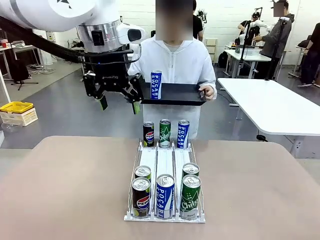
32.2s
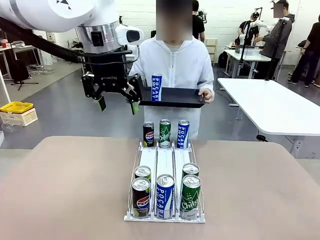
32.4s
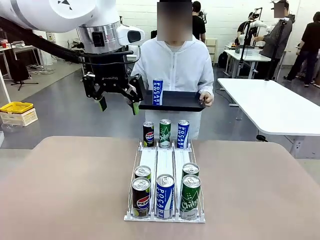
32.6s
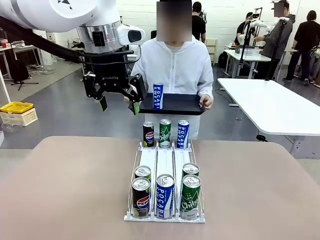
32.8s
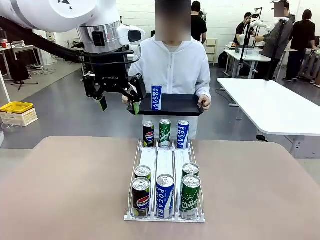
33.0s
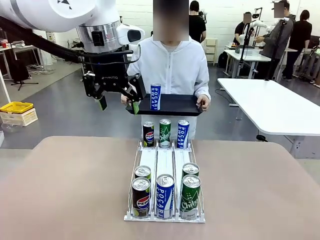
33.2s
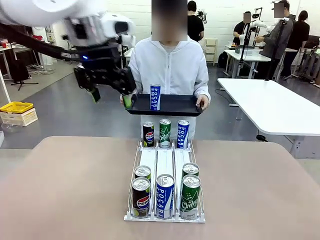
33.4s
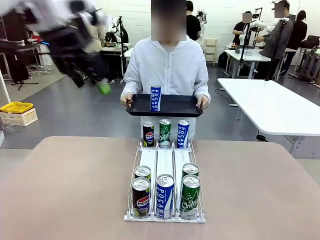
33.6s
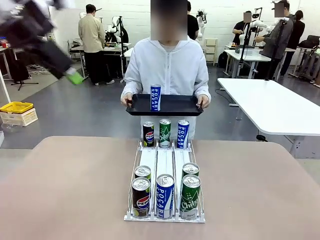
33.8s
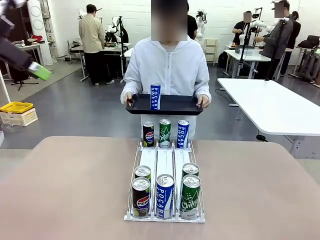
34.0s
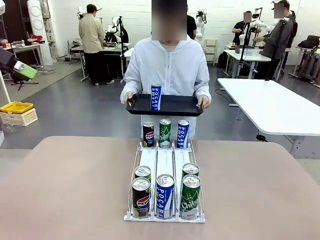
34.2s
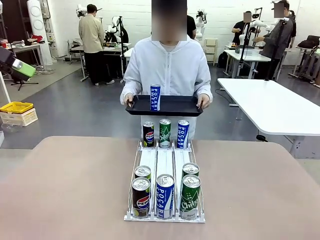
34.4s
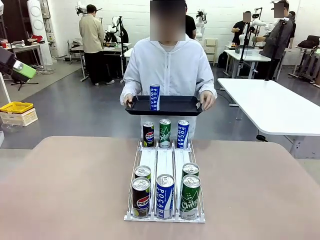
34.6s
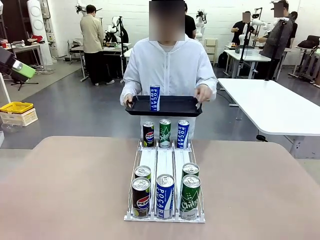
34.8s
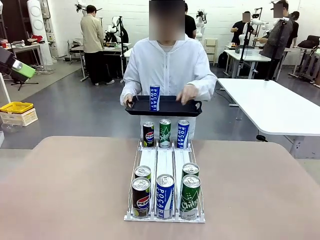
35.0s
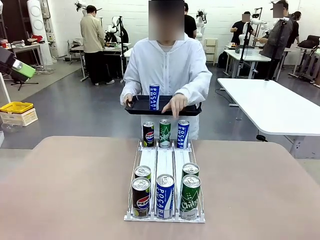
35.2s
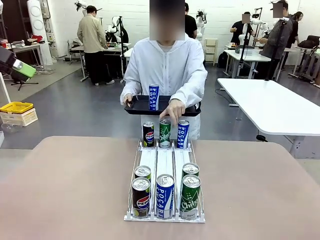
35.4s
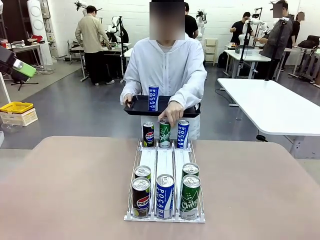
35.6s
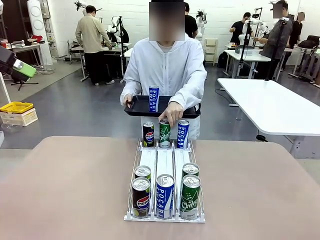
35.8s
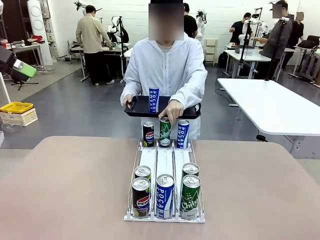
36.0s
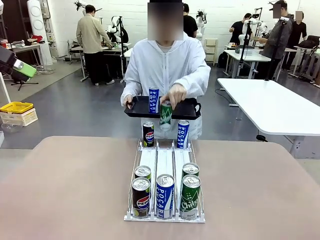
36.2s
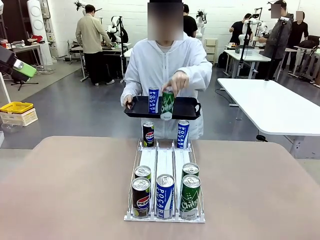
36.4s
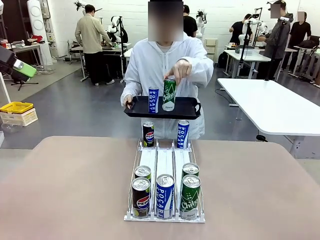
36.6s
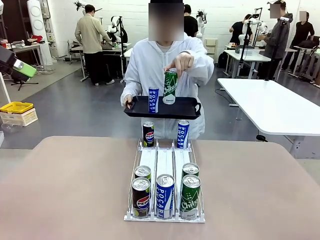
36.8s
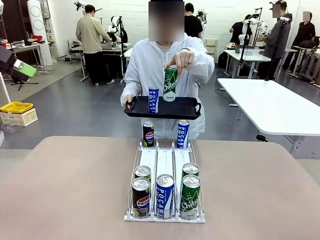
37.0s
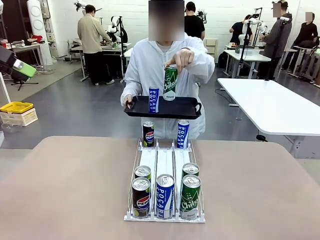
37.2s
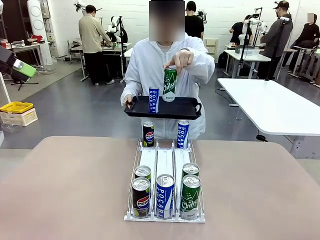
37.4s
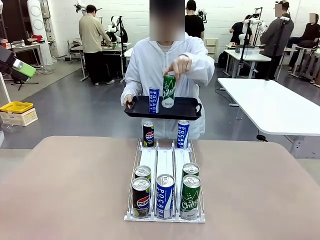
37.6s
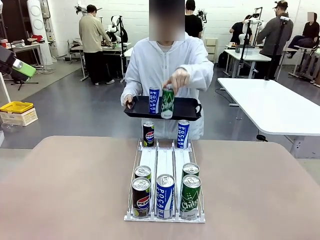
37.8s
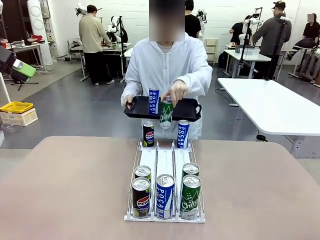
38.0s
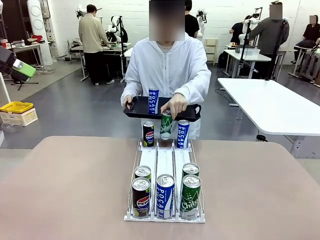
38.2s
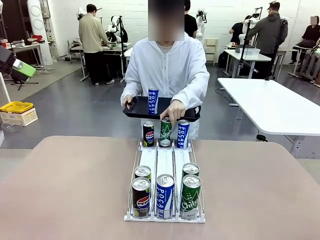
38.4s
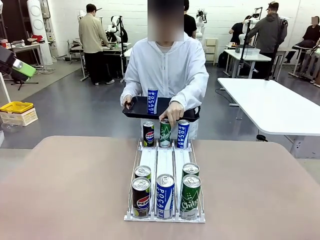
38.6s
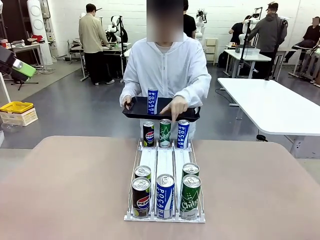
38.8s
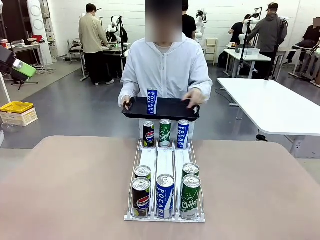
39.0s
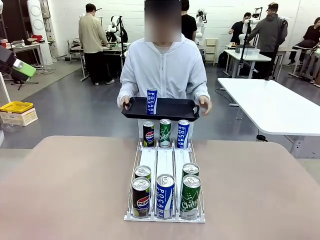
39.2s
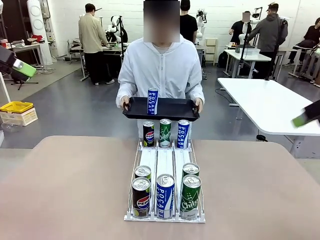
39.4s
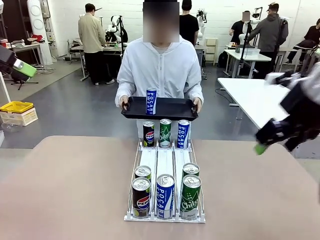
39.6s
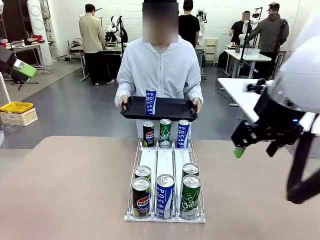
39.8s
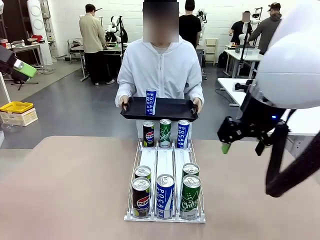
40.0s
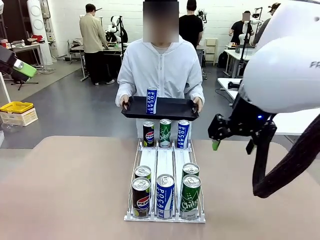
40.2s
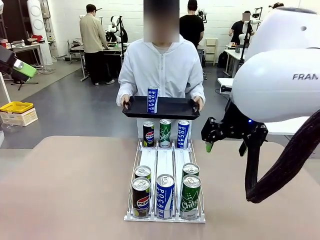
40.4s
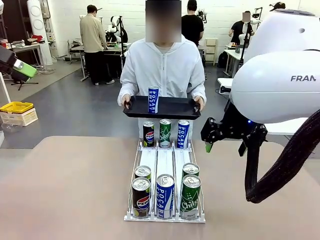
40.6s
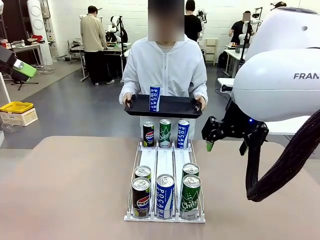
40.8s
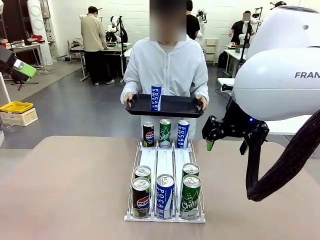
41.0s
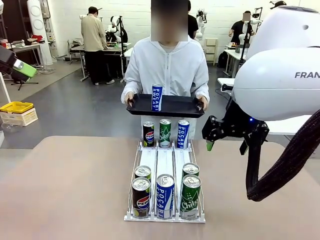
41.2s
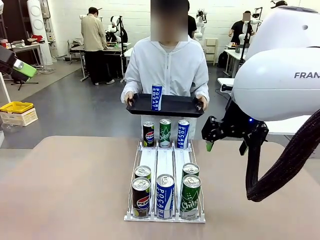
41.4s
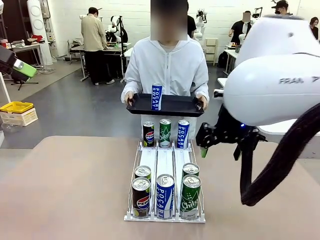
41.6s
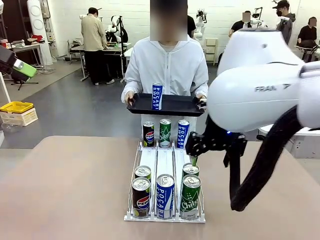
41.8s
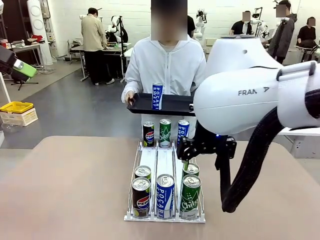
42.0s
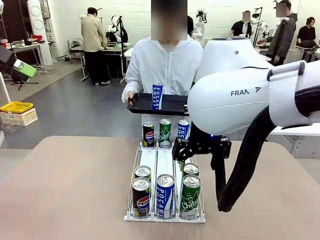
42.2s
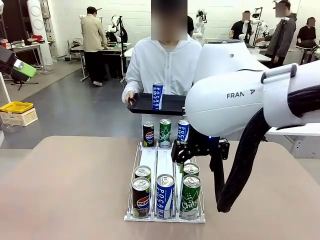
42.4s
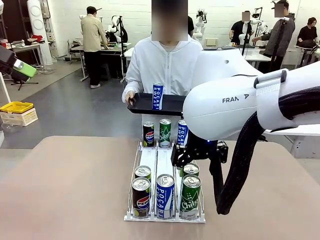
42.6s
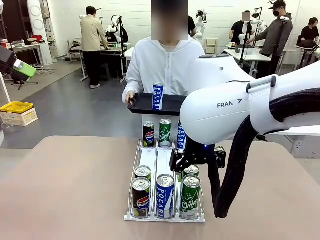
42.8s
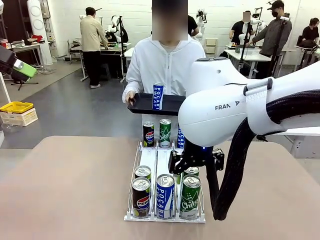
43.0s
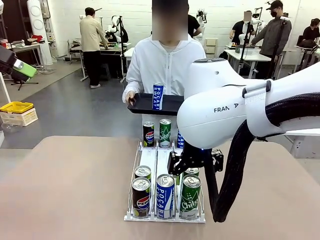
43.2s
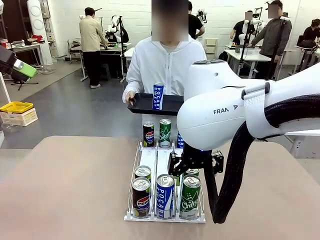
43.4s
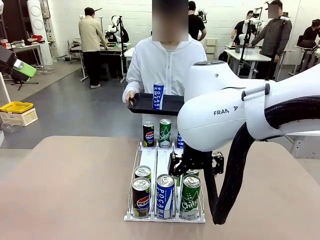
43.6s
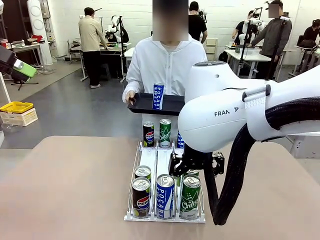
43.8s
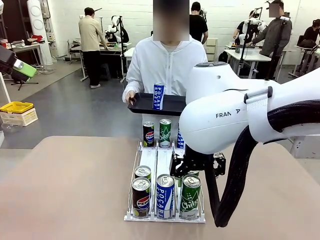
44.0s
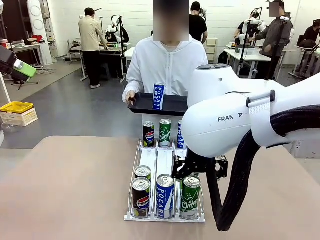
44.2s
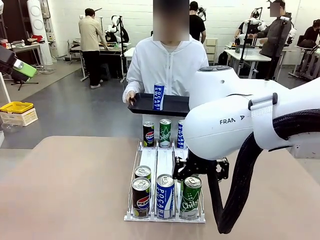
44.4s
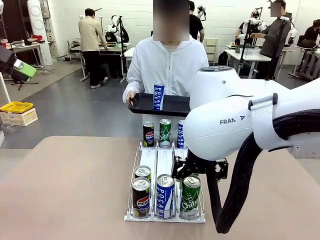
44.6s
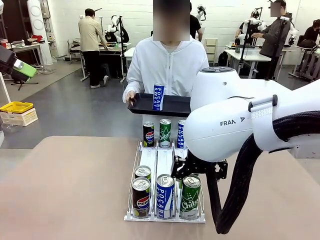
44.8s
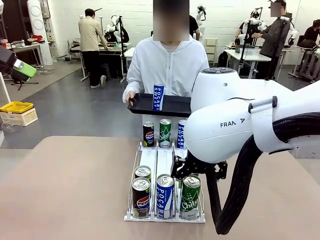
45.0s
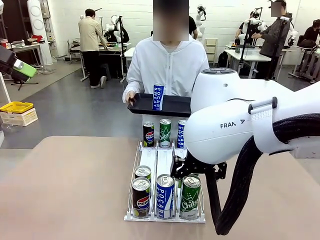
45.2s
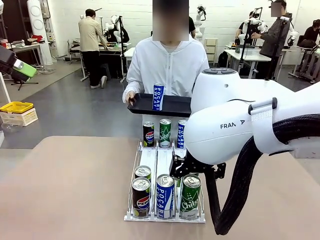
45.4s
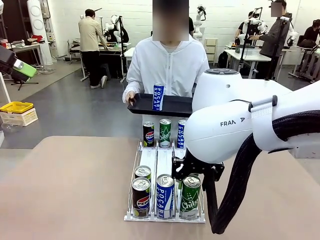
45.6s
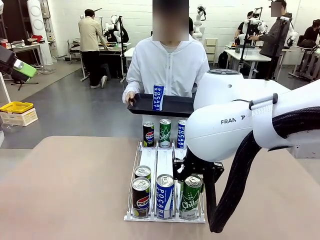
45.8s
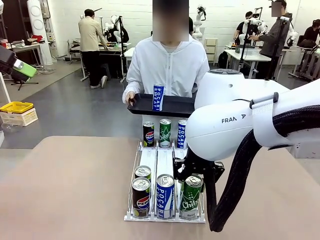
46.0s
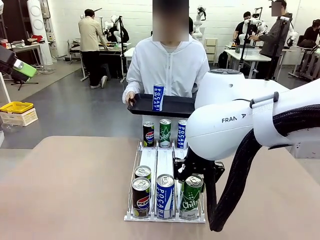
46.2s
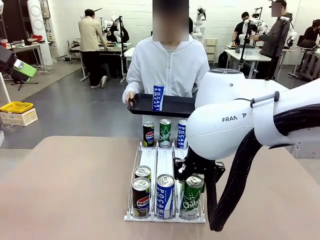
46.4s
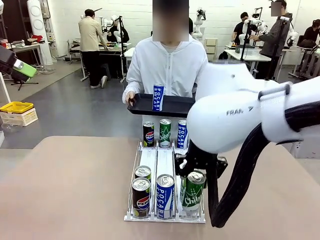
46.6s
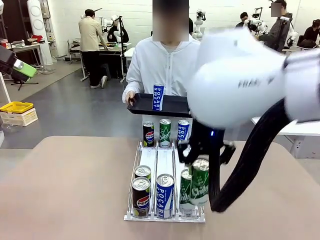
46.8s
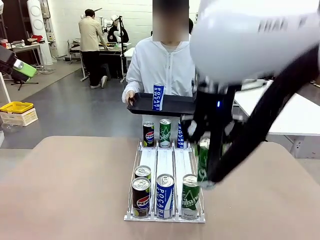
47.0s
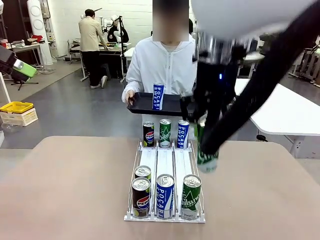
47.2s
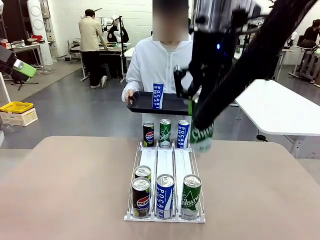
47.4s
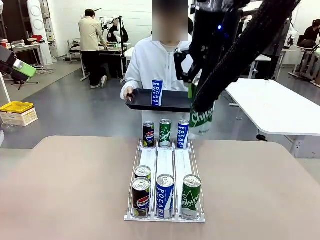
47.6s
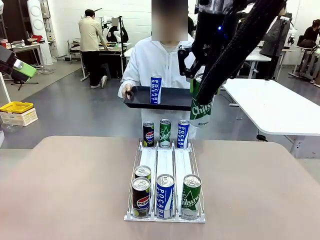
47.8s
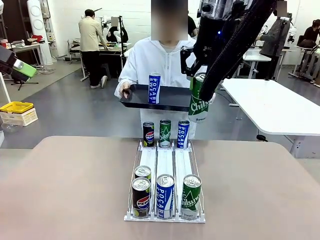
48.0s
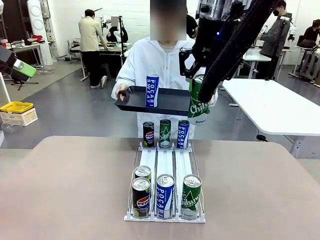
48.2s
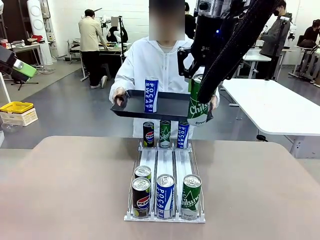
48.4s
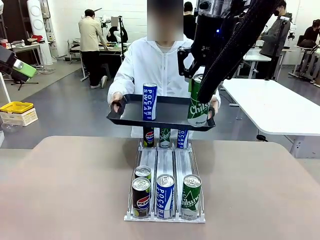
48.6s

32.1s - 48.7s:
Task: Retrieve and hand over the desired beverage to the person.
Robot: Pick up another can of the same type that the person held from the Automatic Can Dispenser.
Person: Pull the tray back, then pick up another can from the bottom area of the table and puts it back in its original place. Push the tray toward the robot again.
